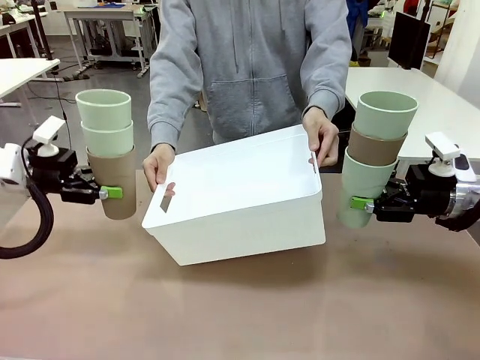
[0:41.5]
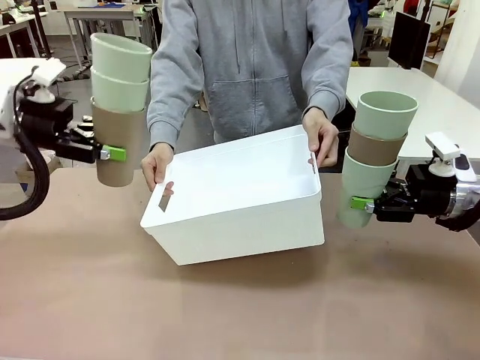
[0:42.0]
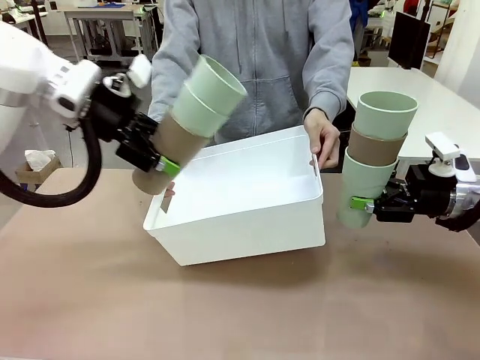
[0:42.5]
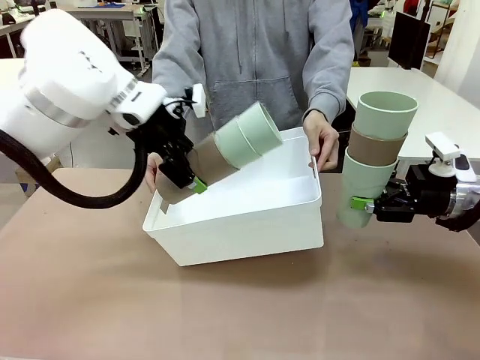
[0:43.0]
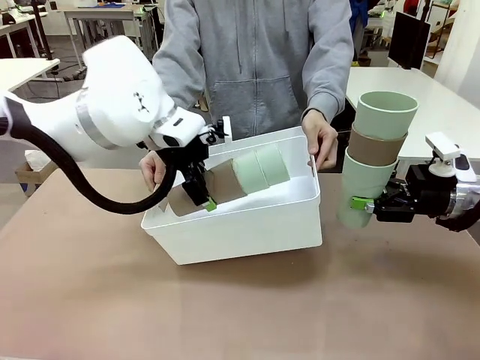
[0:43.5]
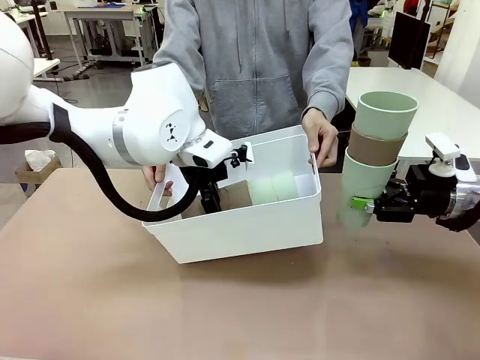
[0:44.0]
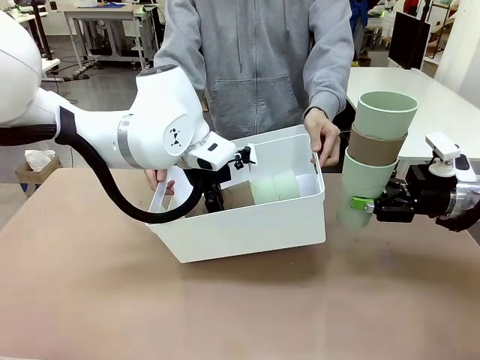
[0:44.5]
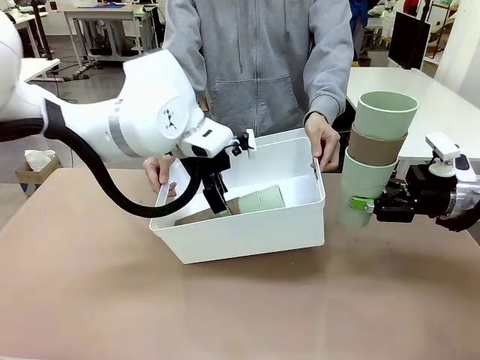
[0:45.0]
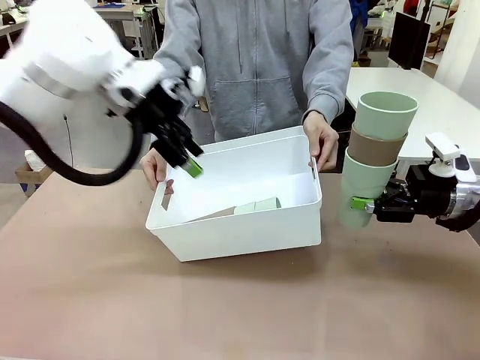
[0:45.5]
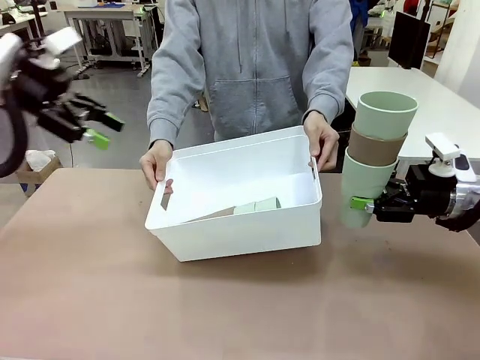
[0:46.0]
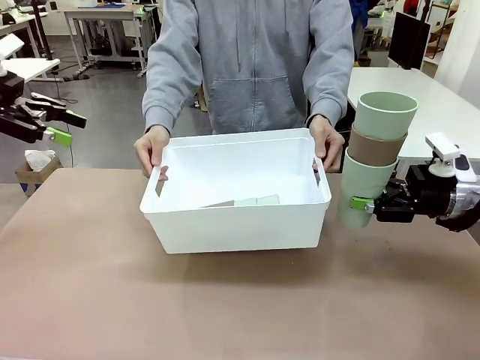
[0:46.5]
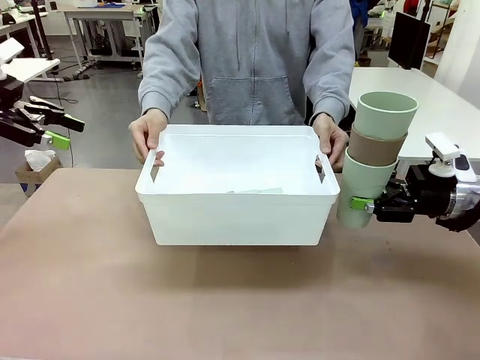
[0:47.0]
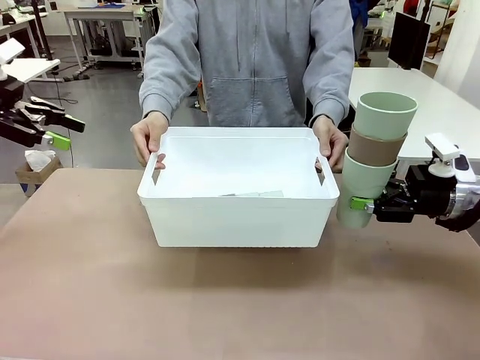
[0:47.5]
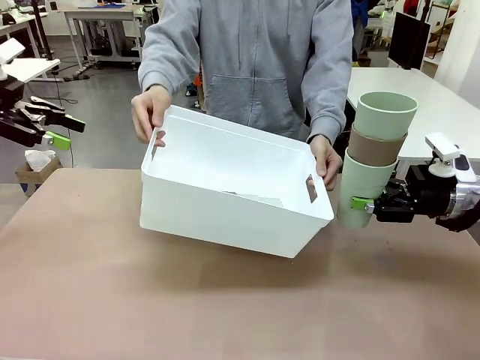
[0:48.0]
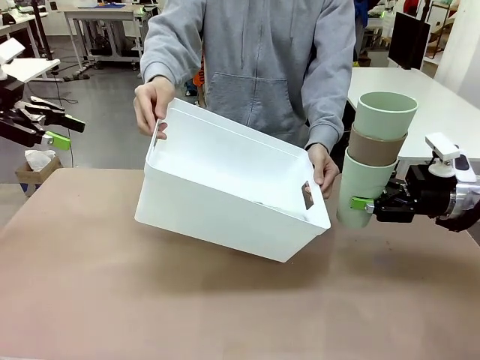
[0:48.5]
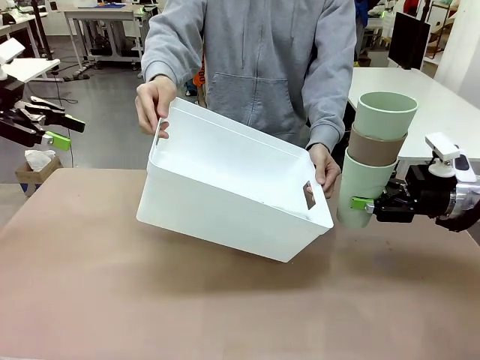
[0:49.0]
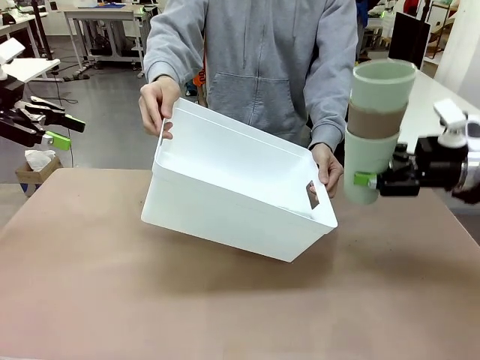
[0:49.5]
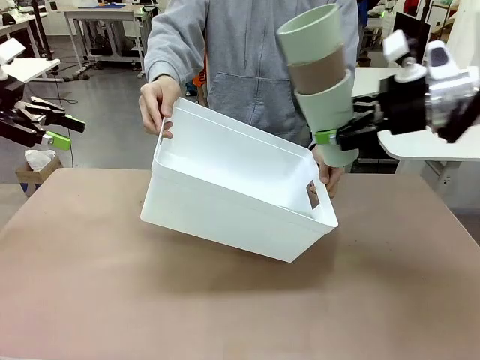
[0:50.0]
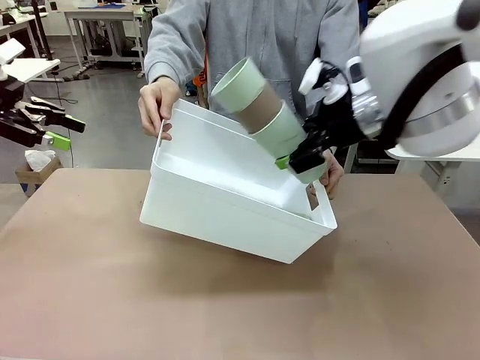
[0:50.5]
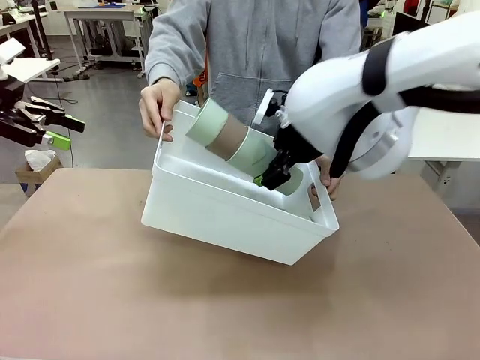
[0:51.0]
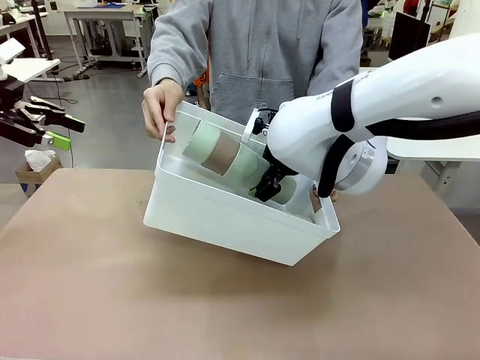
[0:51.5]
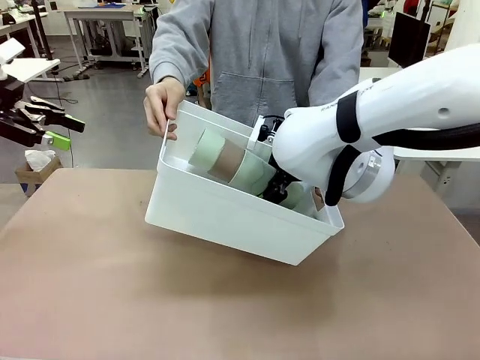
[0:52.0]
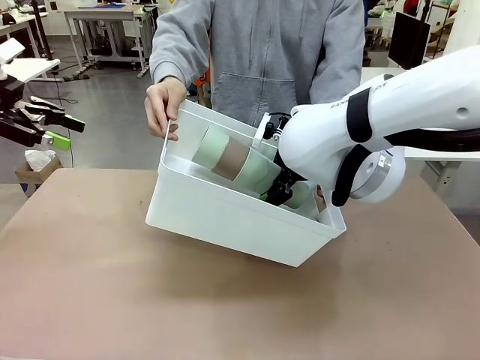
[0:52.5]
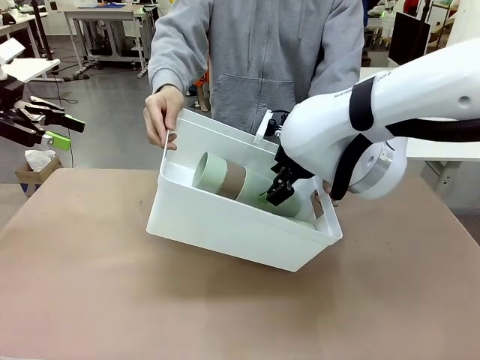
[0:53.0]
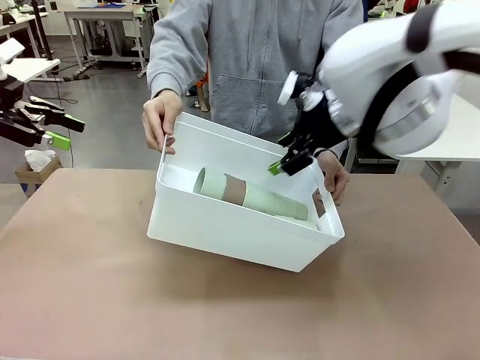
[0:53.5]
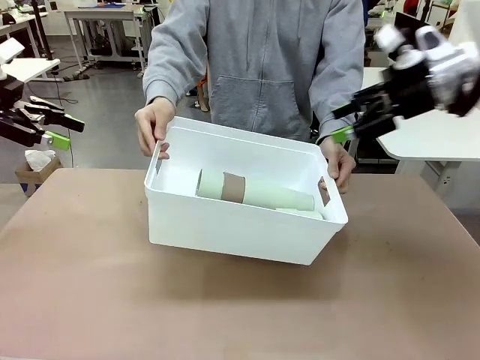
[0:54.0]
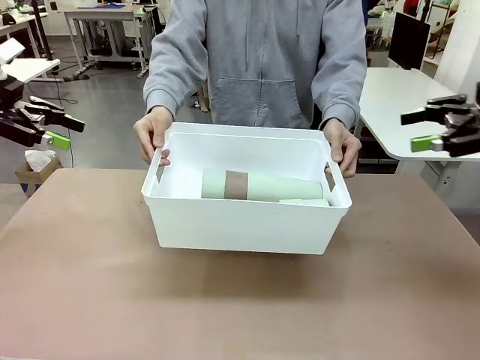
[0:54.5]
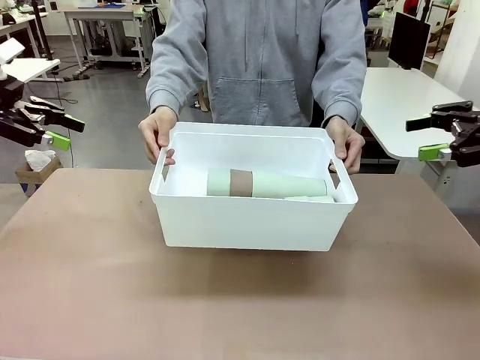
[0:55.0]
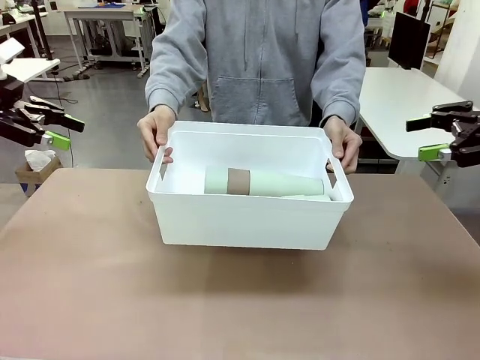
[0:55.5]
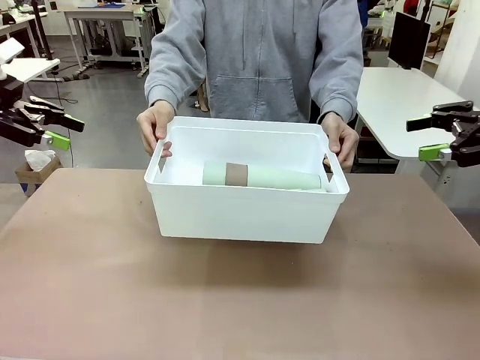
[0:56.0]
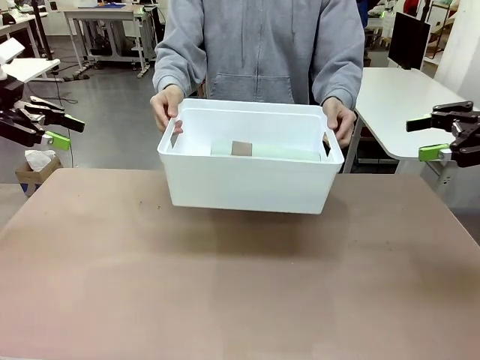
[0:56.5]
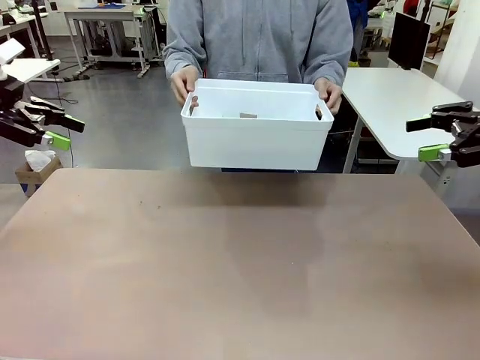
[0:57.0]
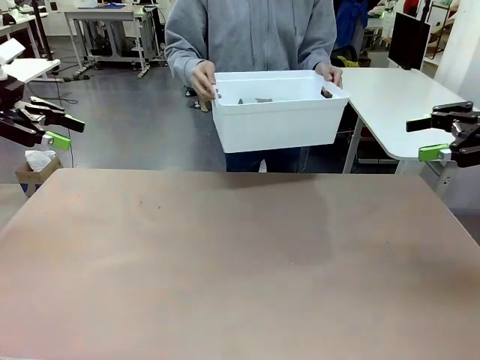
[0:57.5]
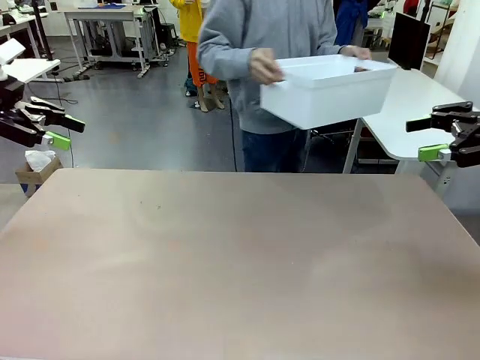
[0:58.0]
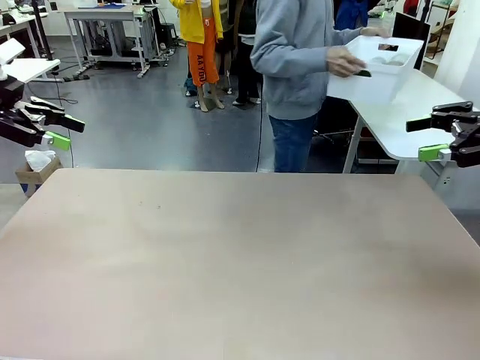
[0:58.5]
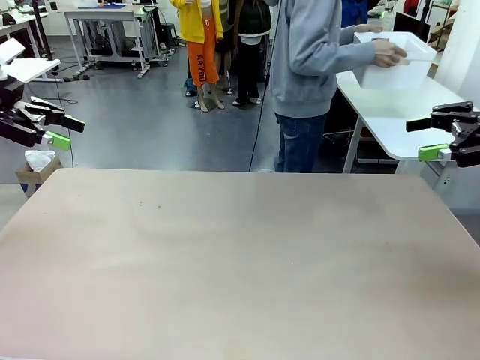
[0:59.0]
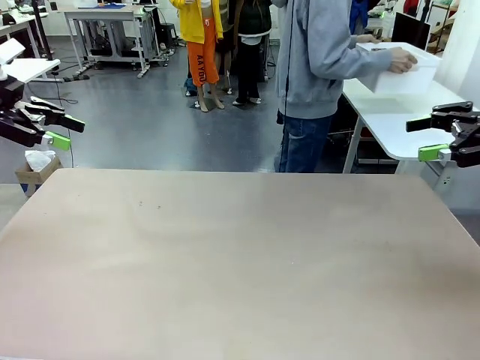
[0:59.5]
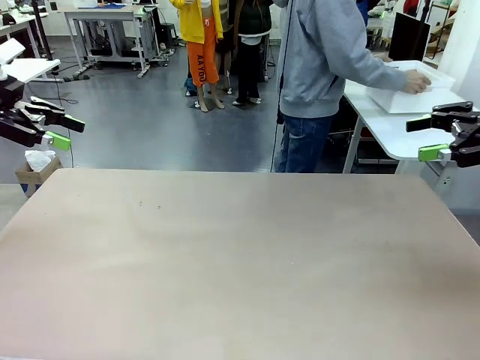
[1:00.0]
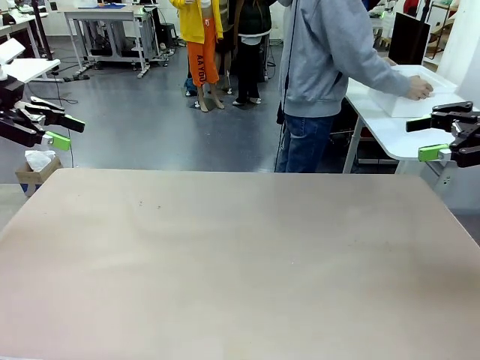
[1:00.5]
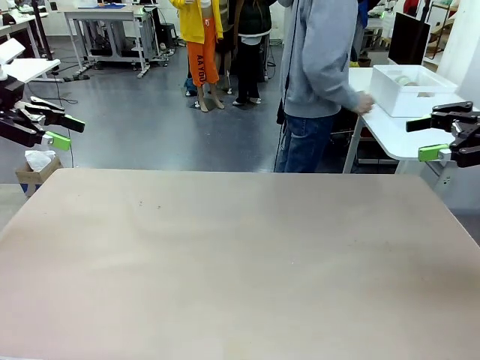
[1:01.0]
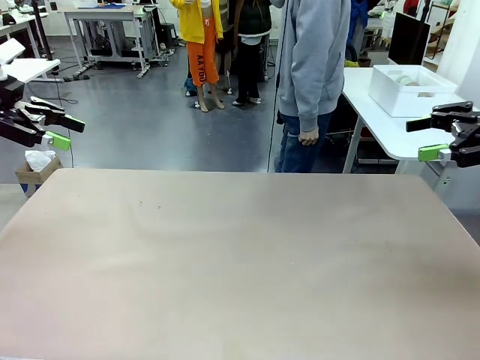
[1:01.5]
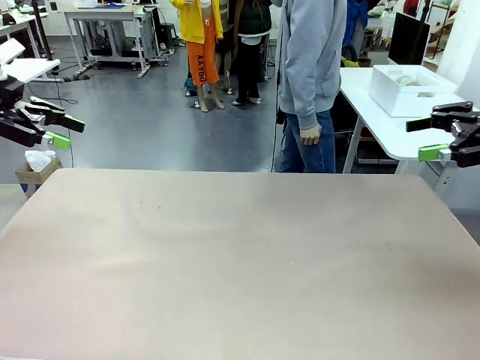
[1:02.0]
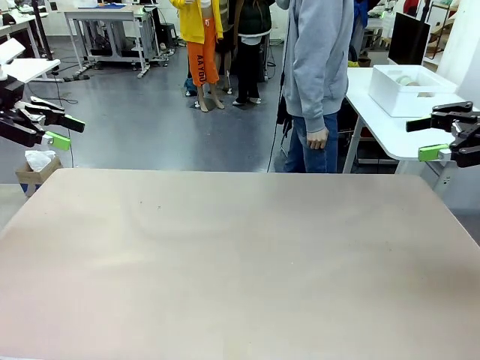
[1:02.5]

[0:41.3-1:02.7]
Task: Stack the cups and store them in the basket.
Robot: Place the stack of Reusable plastic cups into the Pantry Basket.
Person: Place the basket containing the cups in the middle of the Human Table.
